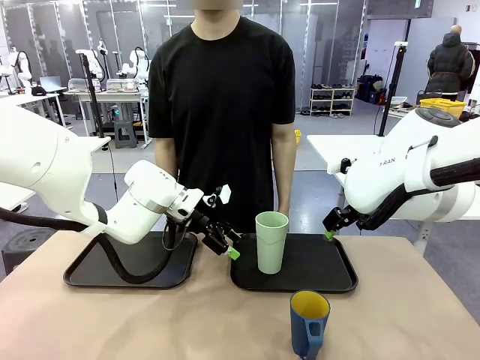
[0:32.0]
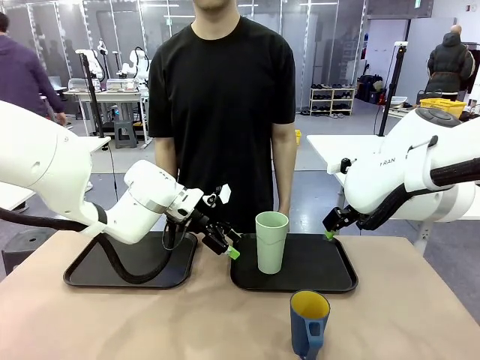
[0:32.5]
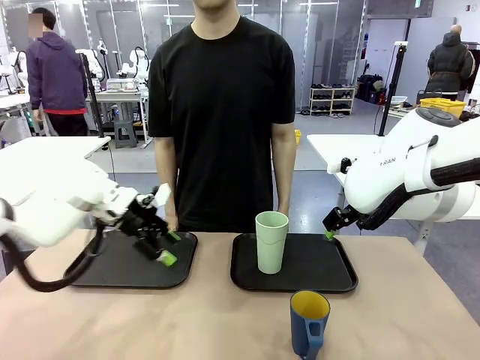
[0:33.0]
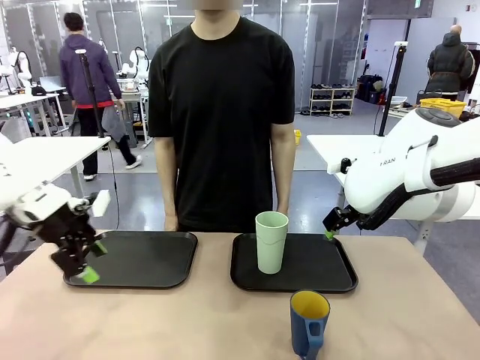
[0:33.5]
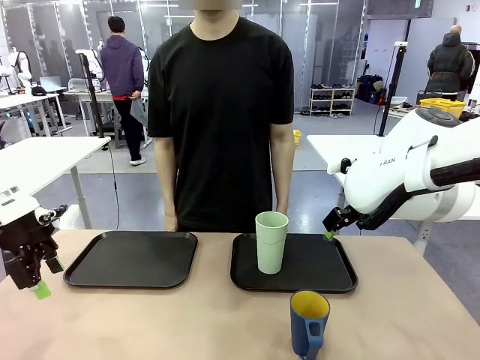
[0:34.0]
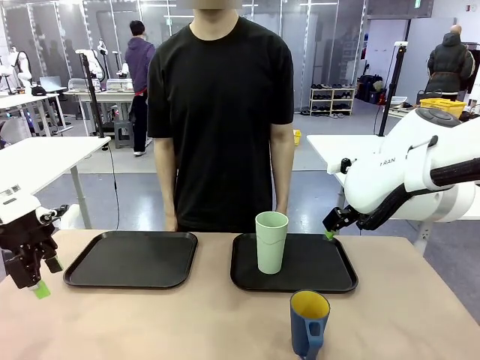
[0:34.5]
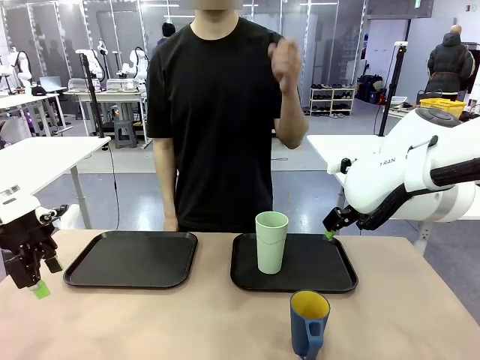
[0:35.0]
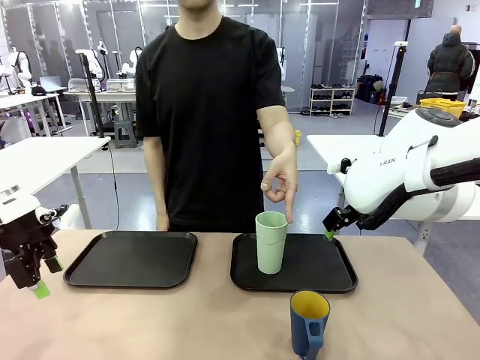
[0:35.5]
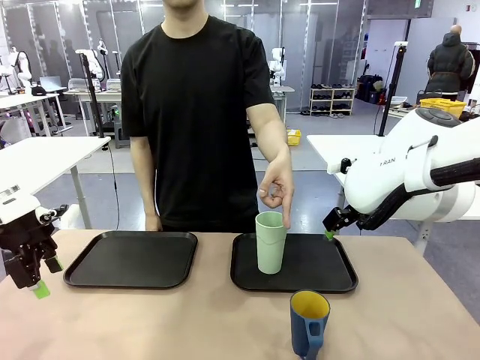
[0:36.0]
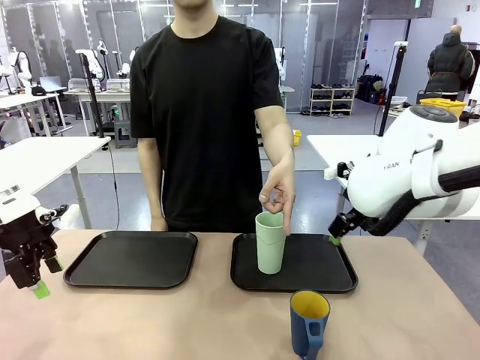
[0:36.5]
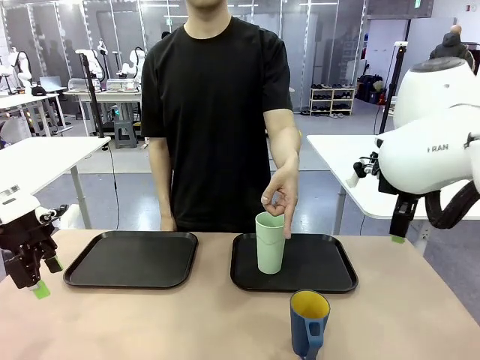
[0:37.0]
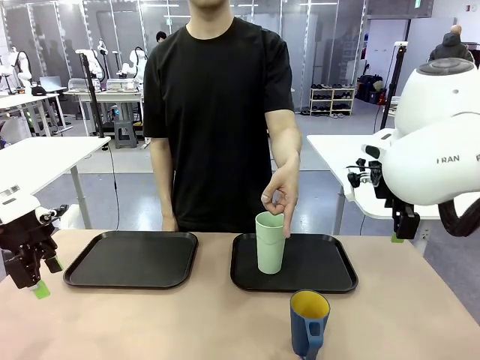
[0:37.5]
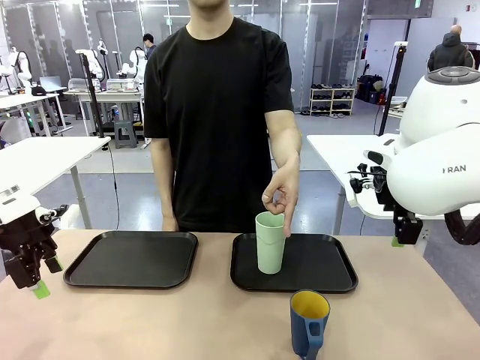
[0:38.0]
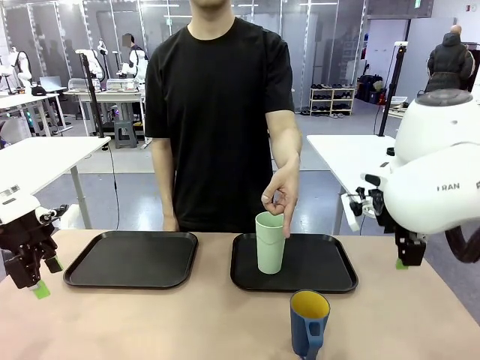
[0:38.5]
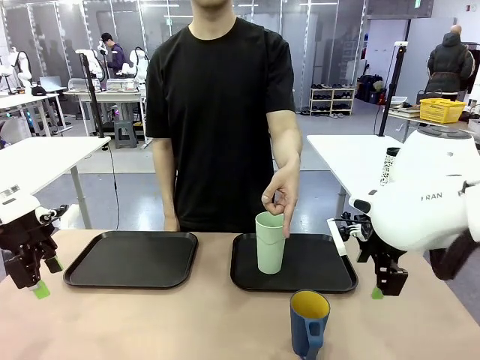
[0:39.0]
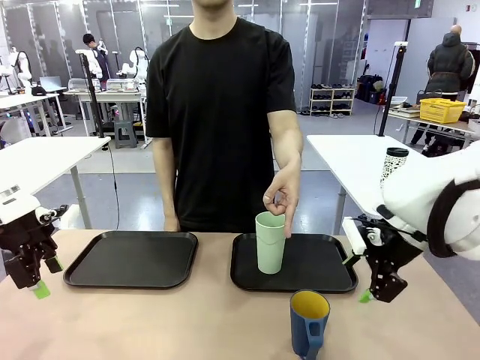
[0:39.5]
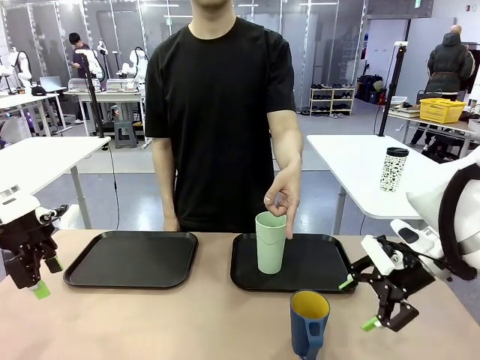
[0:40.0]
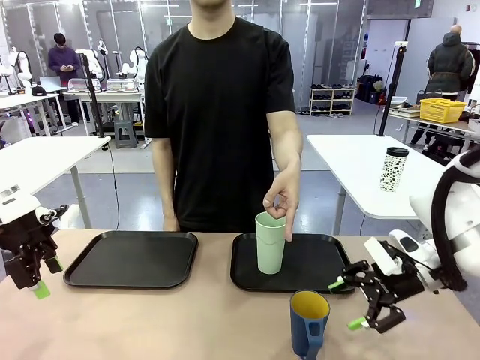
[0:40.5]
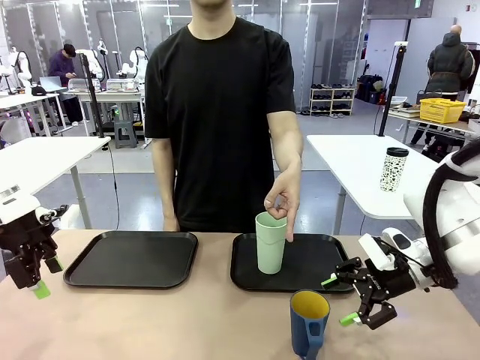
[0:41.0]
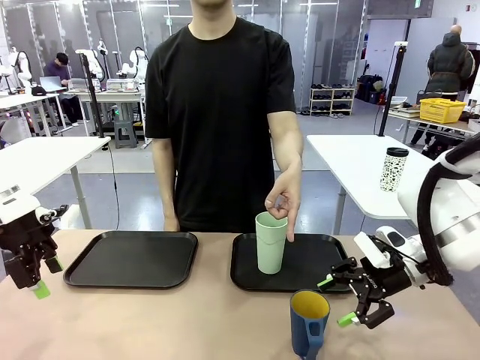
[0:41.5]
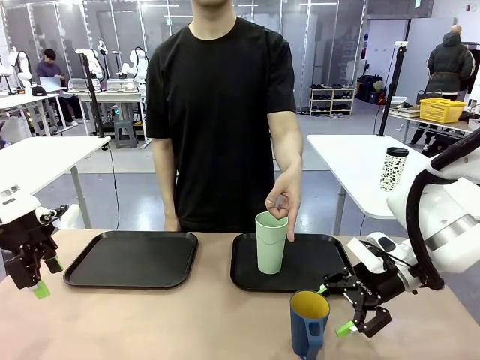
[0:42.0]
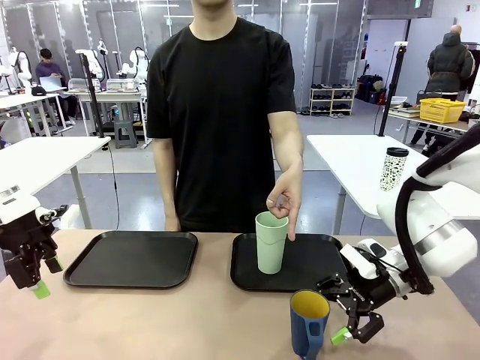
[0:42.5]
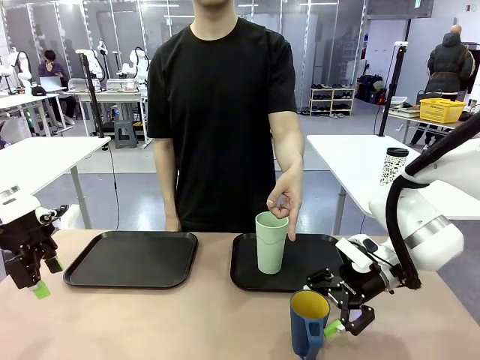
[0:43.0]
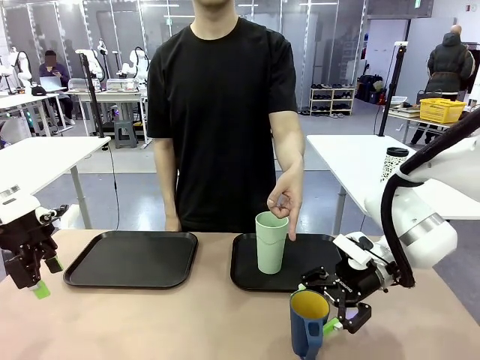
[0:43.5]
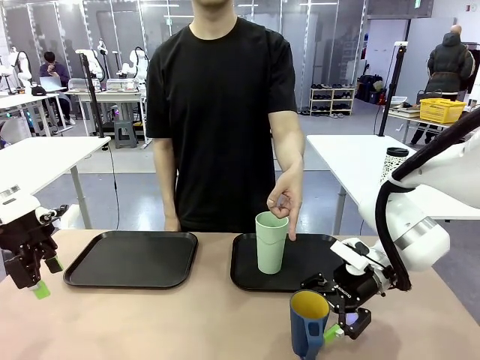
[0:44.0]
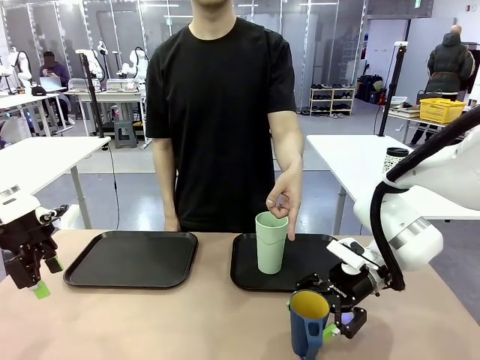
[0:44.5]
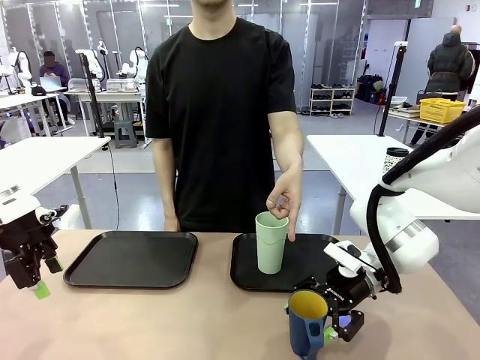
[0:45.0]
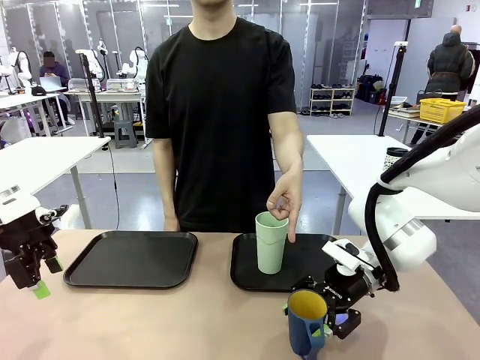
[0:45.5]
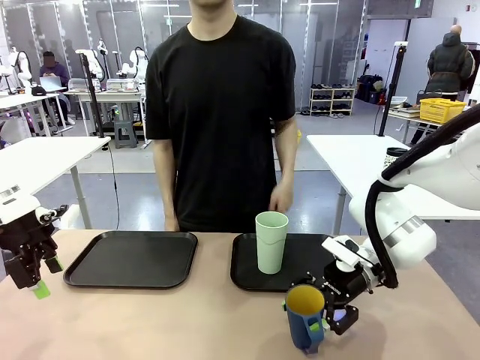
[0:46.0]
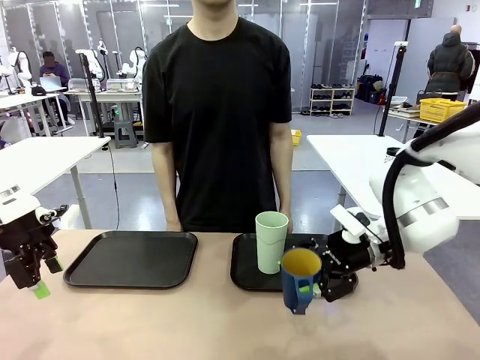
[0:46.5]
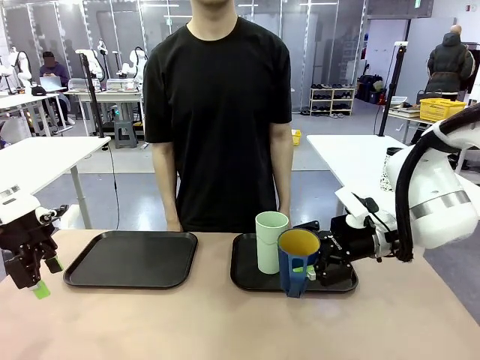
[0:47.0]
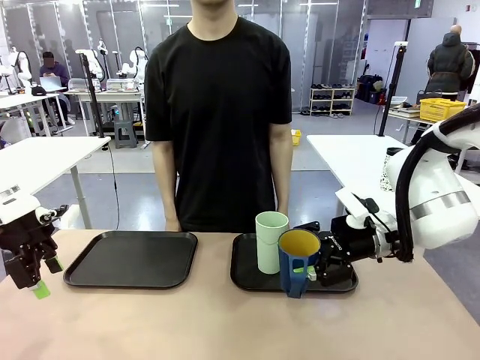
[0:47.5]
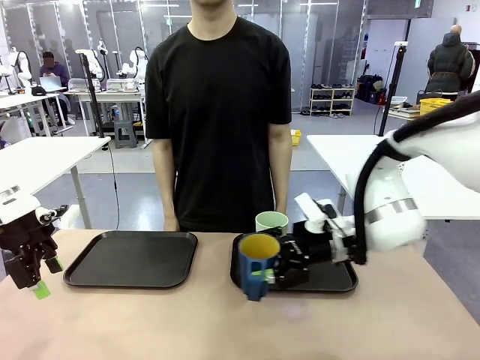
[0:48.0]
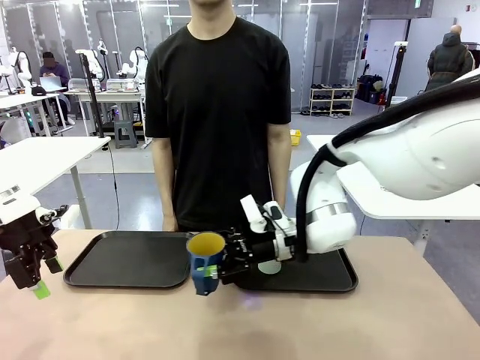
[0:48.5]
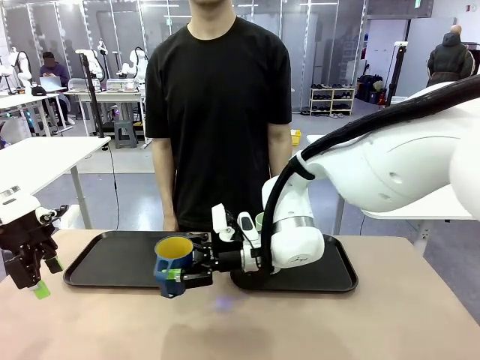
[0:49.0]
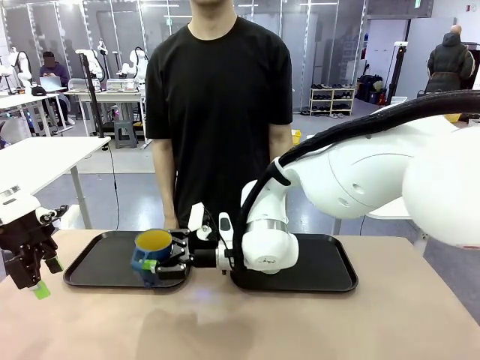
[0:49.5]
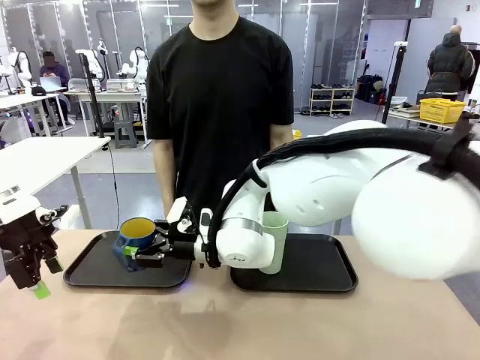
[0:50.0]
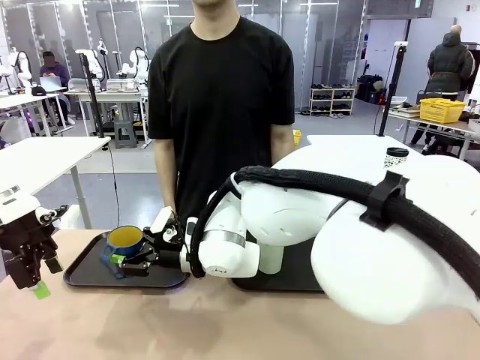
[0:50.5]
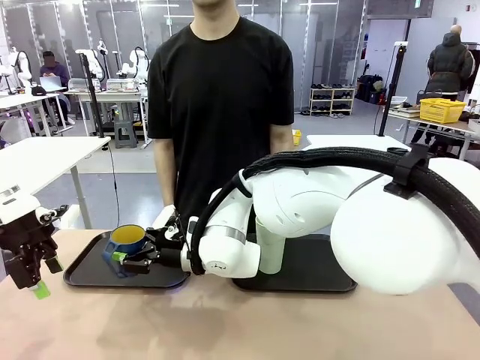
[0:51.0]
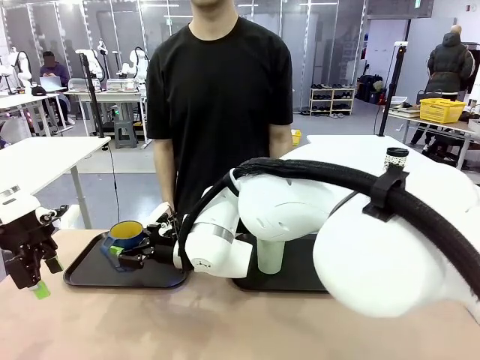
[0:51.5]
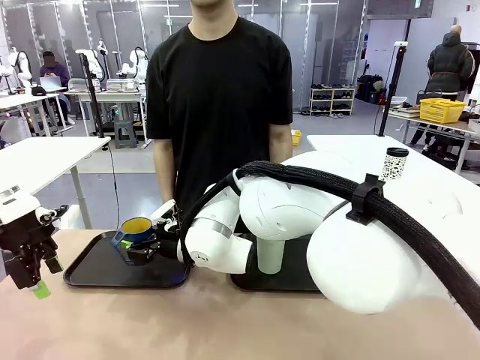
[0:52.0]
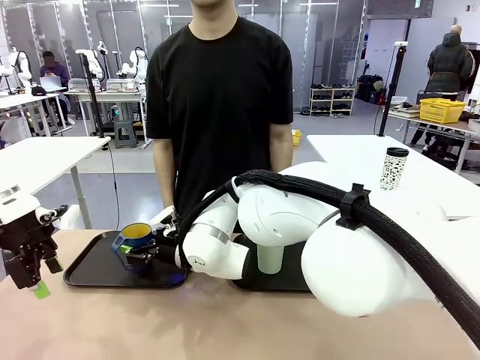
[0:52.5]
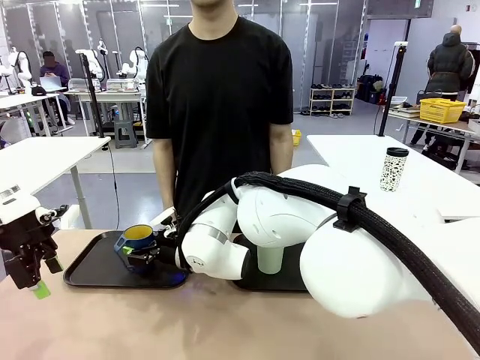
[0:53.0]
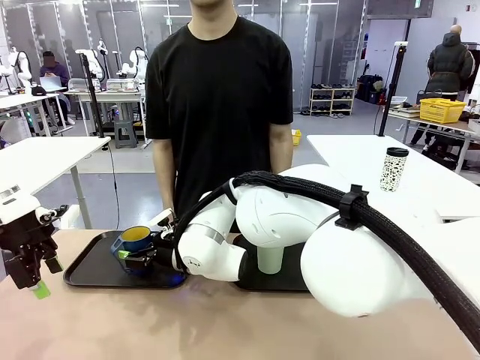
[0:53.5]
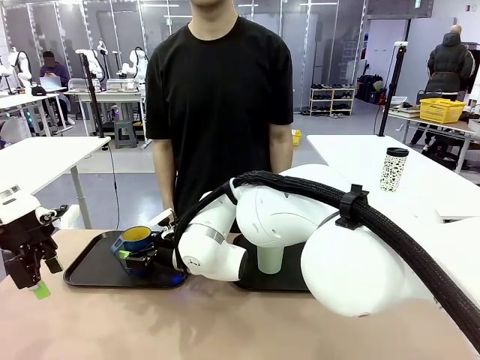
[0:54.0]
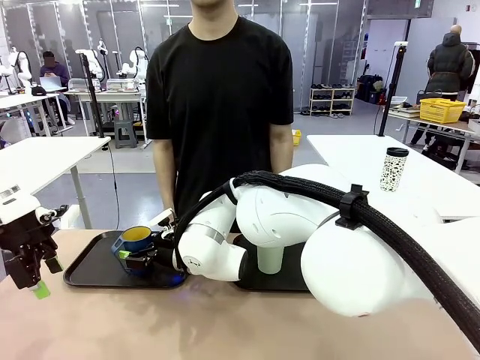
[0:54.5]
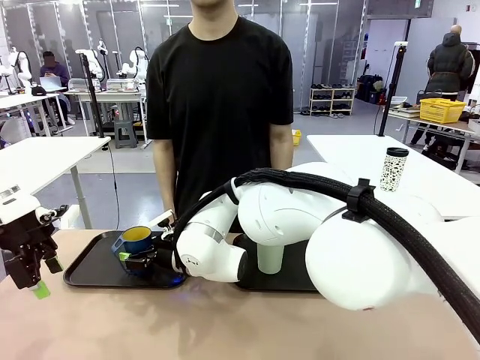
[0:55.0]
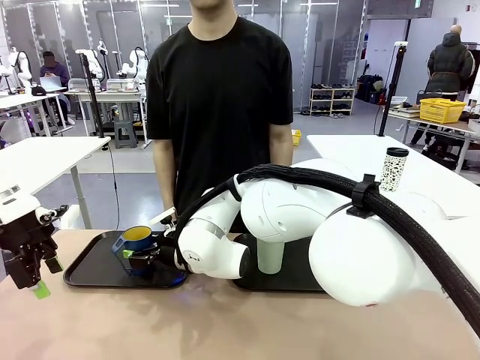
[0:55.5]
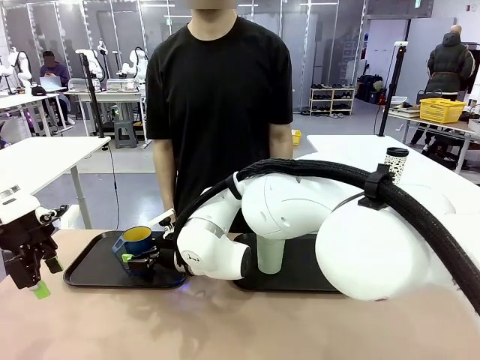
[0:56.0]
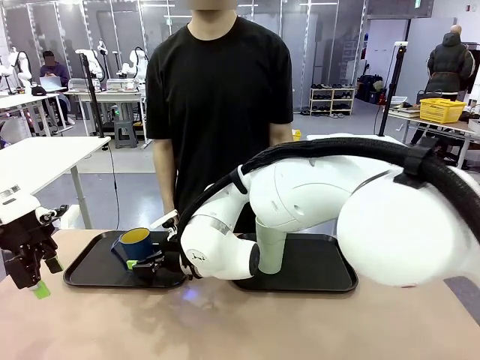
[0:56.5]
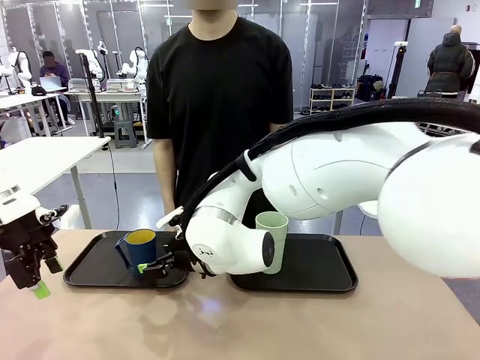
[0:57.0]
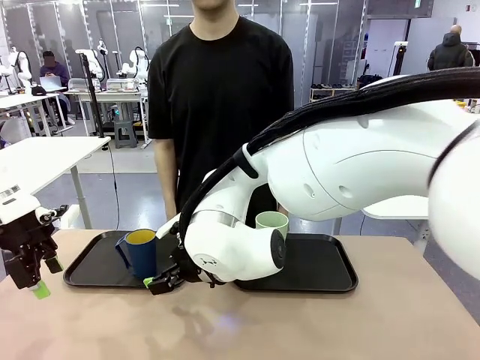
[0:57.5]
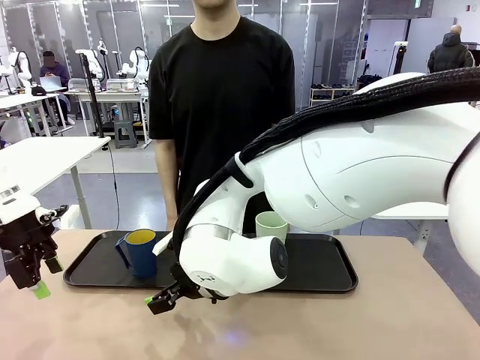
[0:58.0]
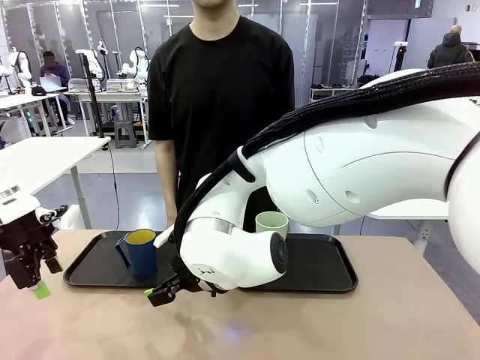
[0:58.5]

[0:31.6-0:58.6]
Task: Sort and store the cups by type.
Robot: Pick up the Handle plastic cup and place it into the empty Flat Tray.
Person: Points to the cup with a handle.
